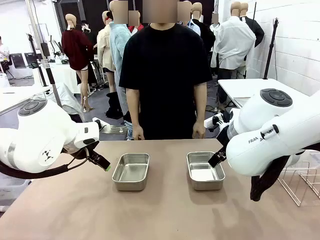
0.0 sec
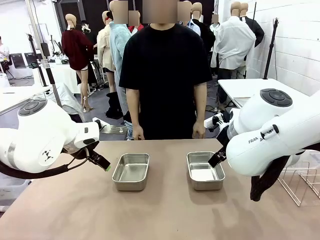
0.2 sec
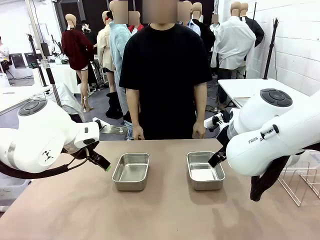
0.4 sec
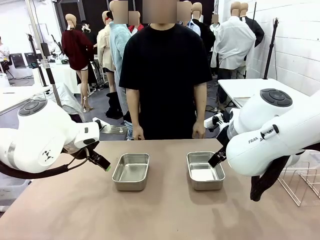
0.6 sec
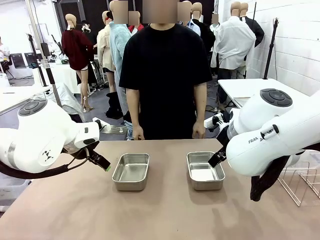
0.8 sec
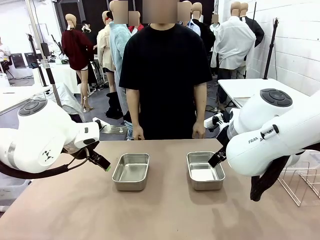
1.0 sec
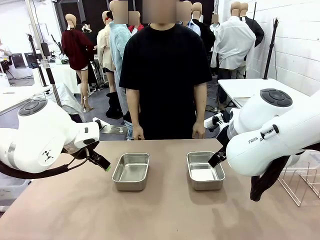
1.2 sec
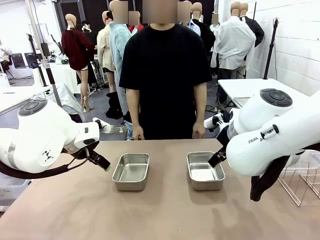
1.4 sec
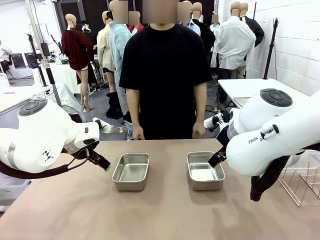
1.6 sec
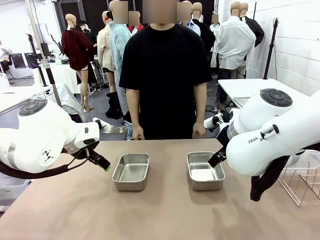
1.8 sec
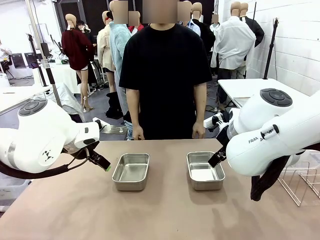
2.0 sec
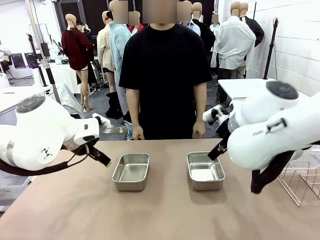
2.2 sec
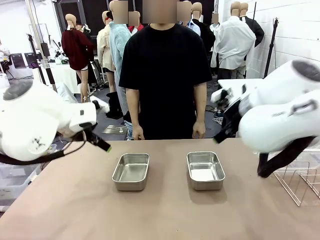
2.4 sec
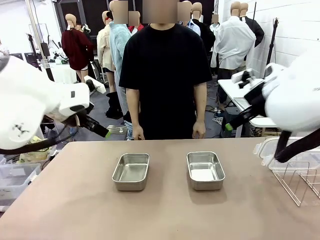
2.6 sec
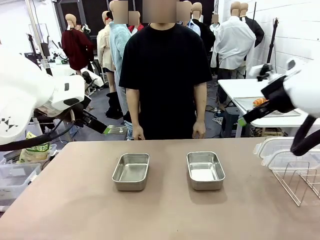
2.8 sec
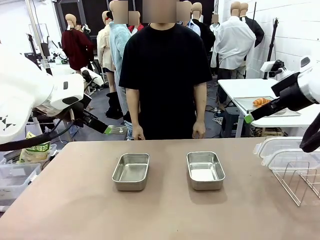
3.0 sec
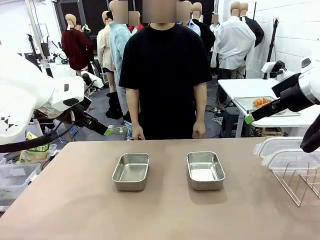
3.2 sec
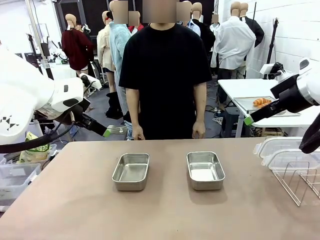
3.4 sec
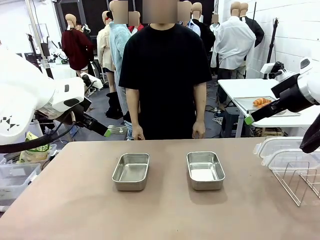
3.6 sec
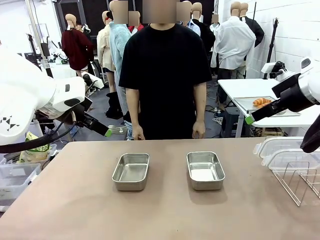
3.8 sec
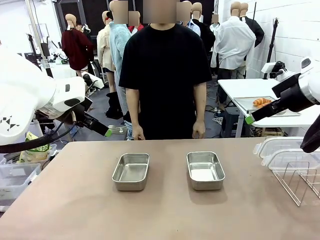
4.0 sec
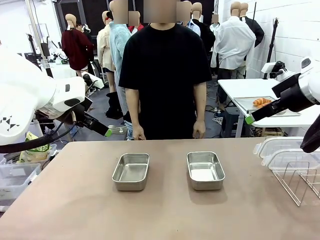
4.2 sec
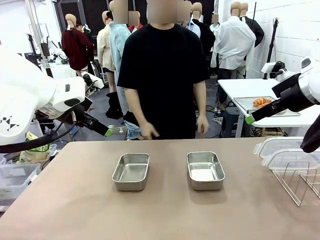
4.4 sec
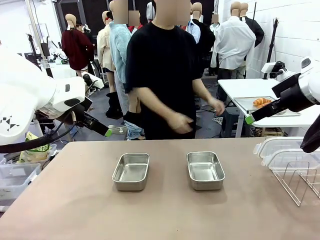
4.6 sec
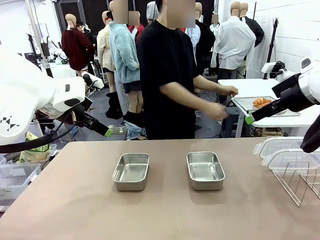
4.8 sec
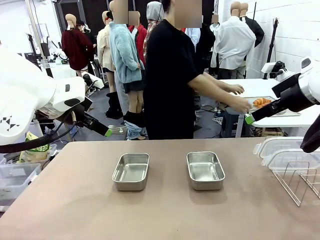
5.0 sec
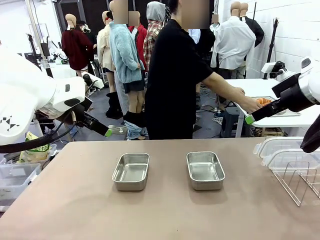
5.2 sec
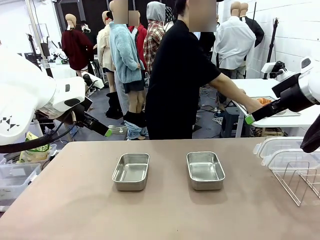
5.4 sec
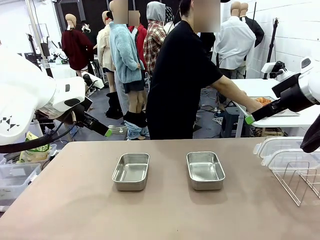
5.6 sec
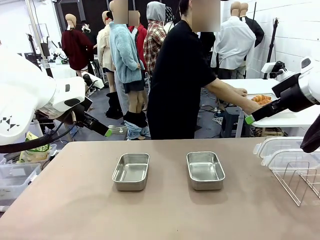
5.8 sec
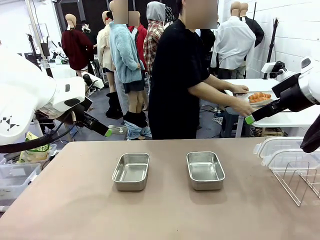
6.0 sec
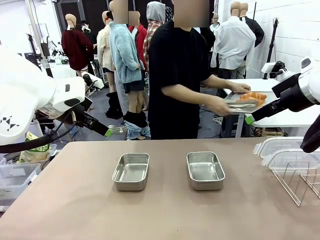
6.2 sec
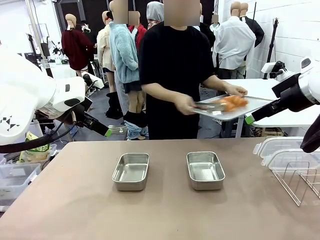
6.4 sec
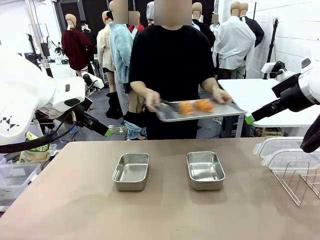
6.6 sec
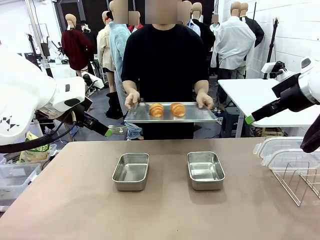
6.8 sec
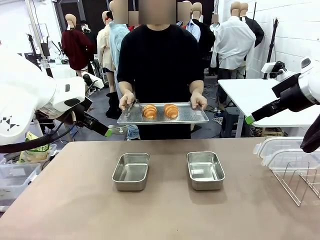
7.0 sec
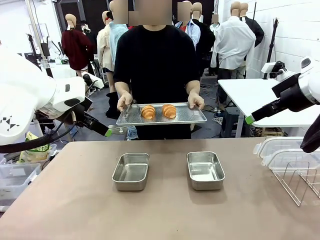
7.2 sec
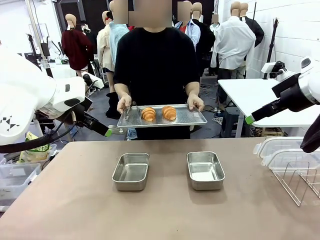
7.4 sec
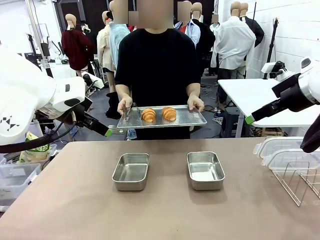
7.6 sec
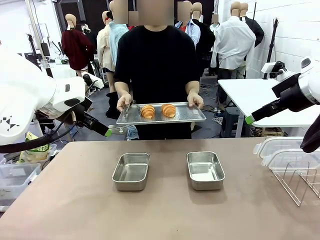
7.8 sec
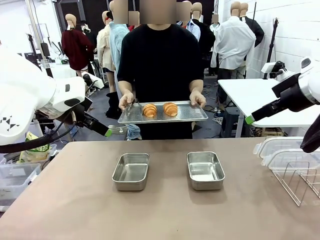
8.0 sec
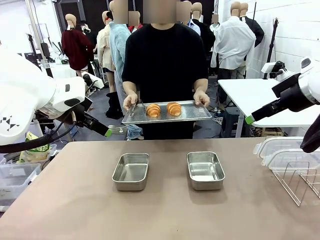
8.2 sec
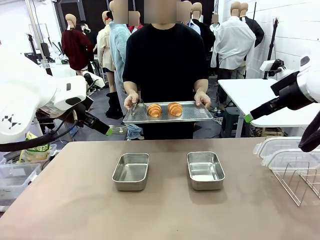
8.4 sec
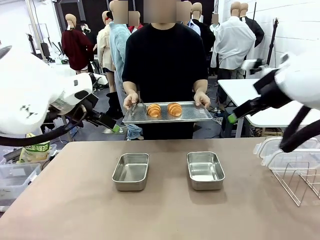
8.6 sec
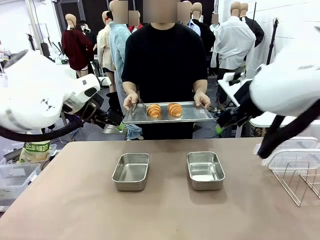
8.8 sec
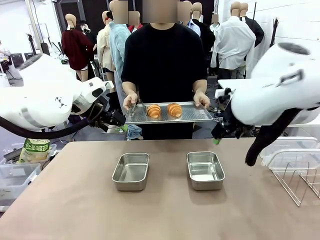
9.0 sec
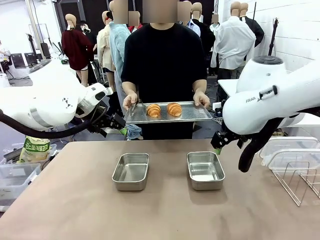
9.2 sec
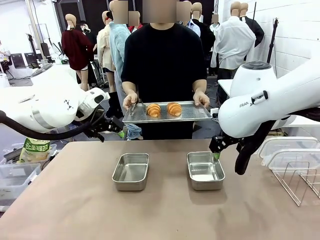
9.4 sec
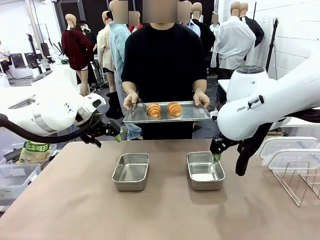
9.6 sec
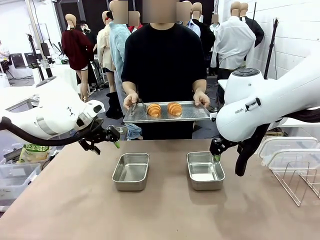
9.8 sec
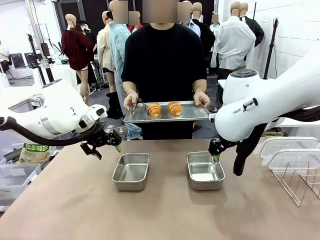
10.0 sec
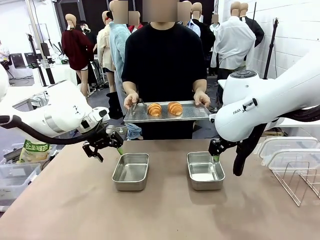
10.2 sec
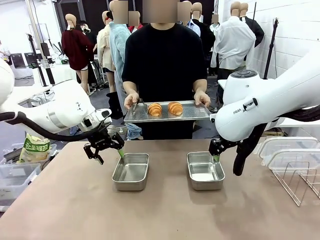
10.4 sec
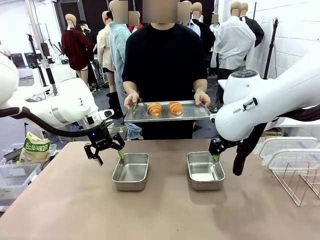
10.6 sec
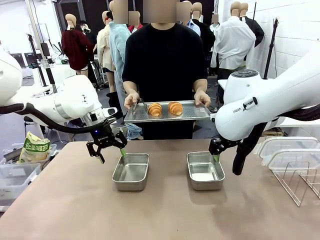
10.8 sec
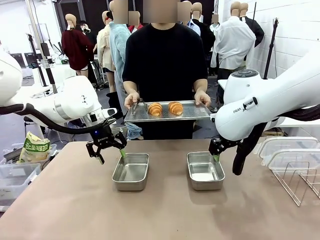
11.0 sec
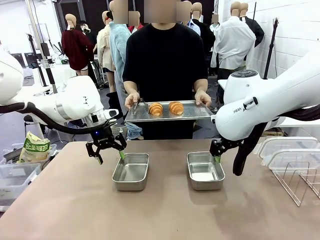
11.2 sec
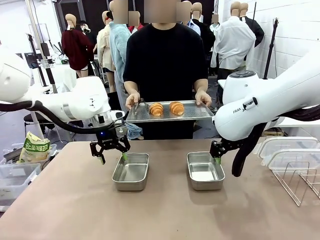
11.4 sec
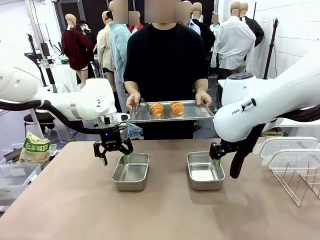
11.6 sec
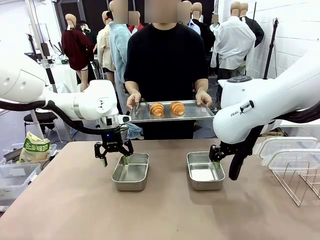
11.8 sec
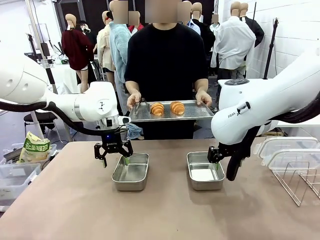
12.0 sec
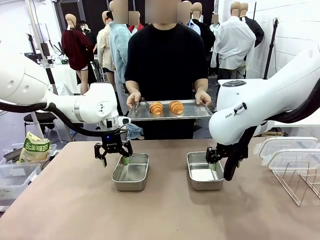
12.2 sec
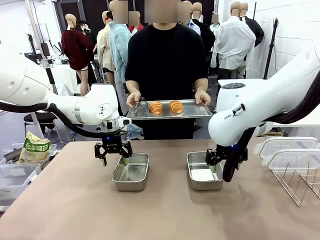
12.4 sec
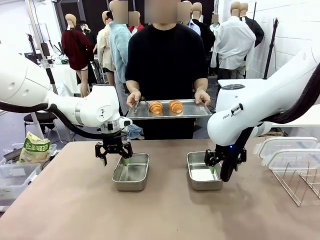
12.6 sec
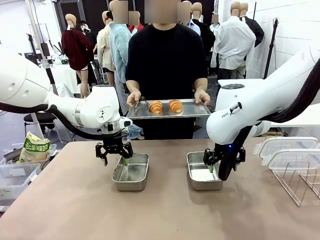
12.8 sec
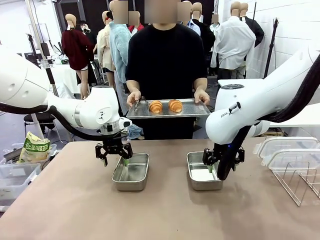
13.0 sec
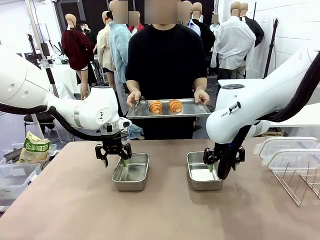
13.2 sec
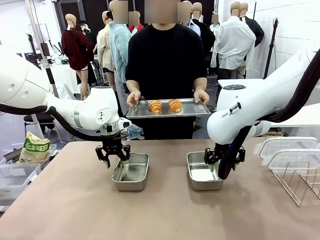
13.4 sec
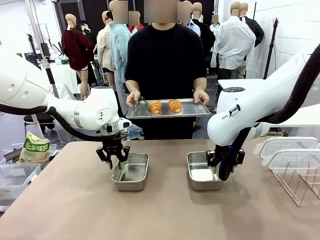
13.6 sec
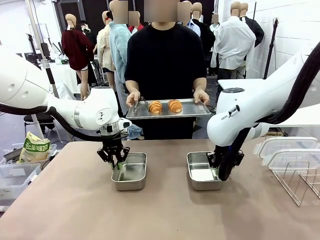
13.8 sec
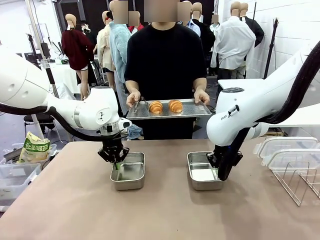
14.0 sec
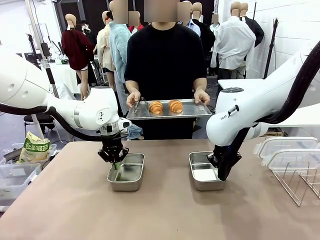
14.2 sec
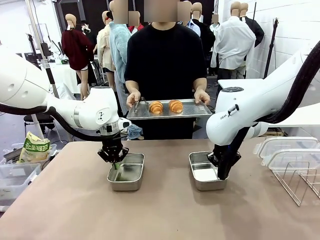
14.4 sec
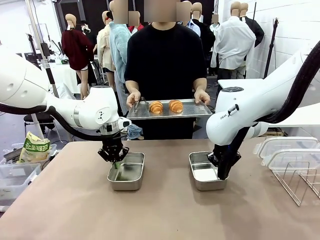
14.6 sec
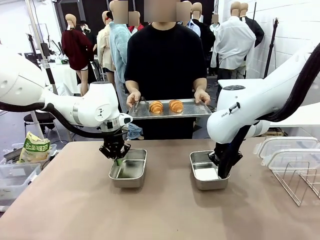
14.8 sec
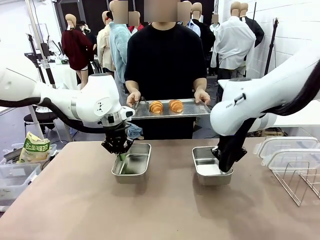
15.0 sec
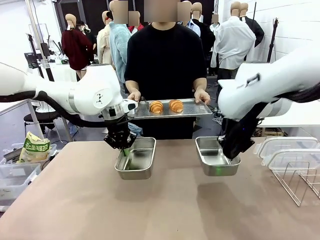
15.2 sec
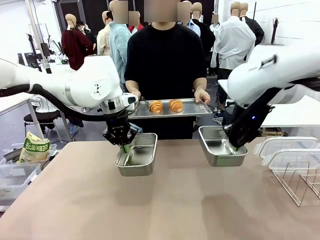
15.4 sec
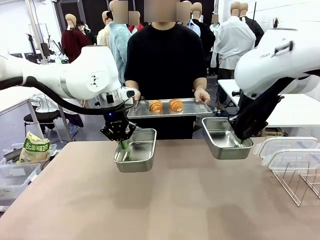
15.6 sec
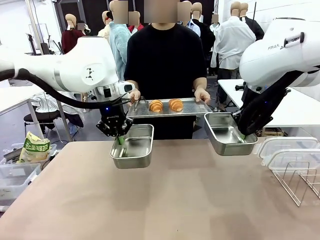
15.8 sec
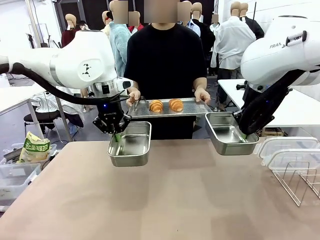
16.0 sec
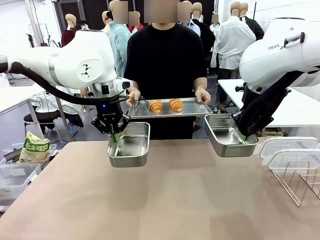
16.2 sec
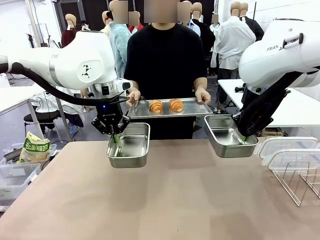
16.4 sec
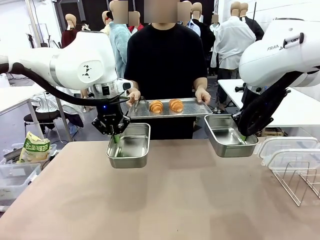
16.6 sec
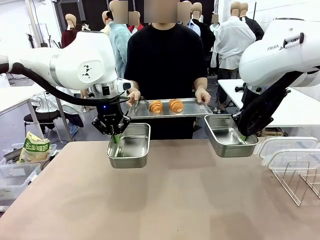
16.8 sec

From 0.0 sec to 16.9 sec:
Task: Place the bread in airtight containers.
Robot: Lift both Airtight Container.
Person: Bring the Baking Sheet in front of Robot's Table.
